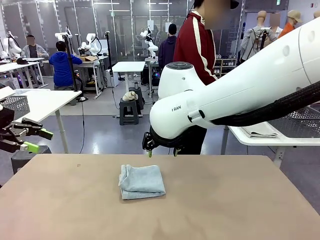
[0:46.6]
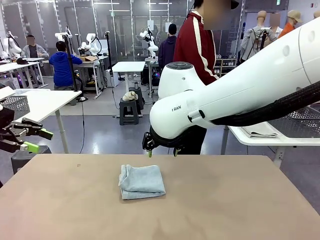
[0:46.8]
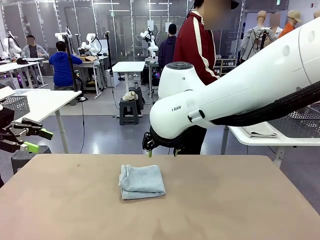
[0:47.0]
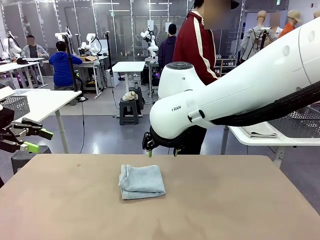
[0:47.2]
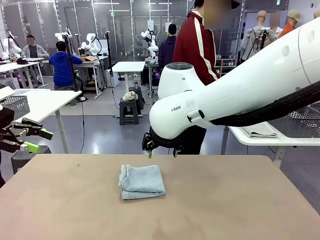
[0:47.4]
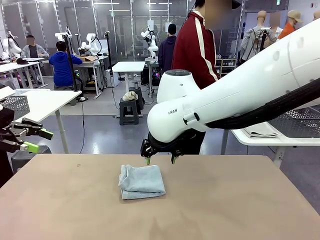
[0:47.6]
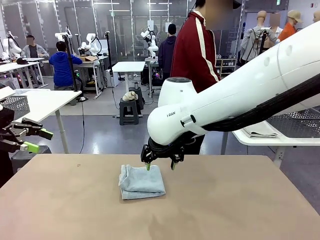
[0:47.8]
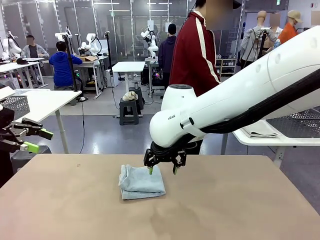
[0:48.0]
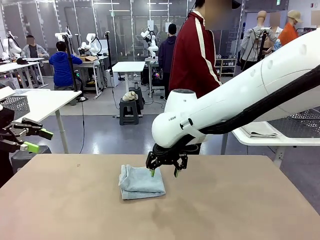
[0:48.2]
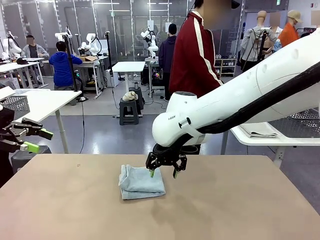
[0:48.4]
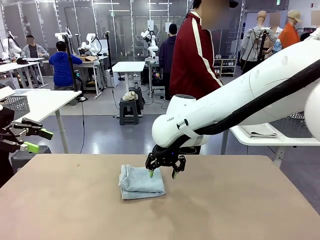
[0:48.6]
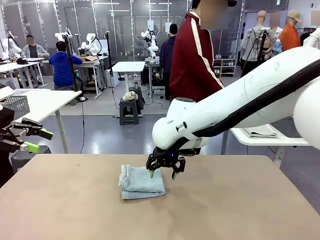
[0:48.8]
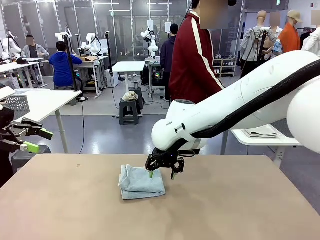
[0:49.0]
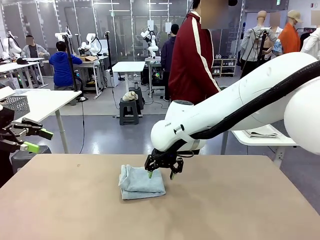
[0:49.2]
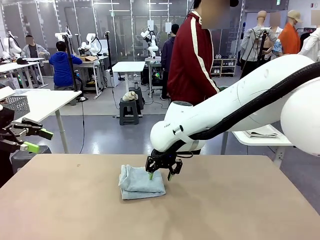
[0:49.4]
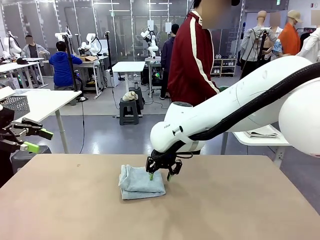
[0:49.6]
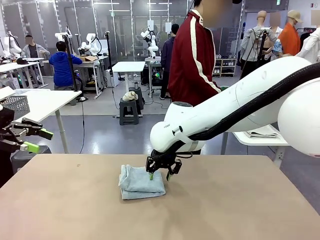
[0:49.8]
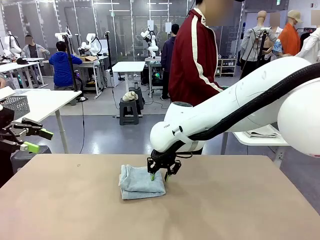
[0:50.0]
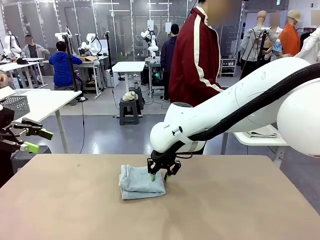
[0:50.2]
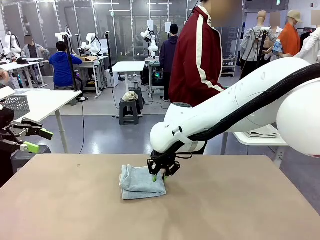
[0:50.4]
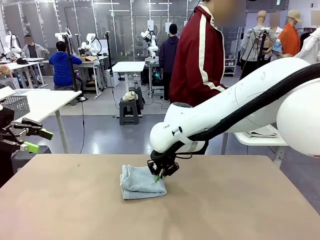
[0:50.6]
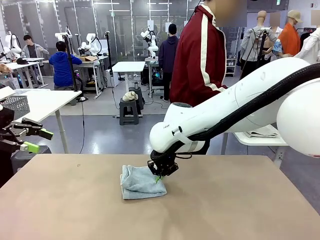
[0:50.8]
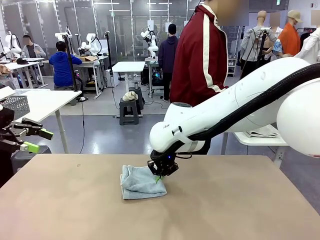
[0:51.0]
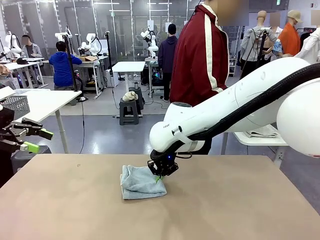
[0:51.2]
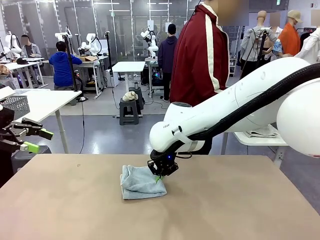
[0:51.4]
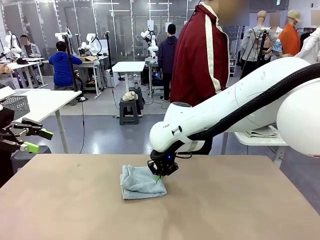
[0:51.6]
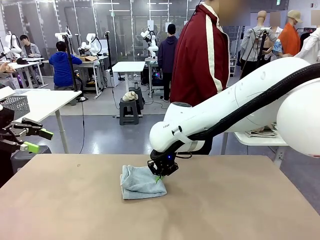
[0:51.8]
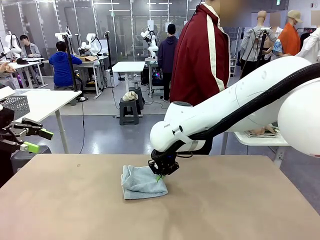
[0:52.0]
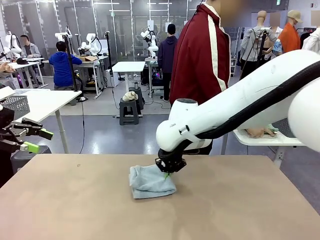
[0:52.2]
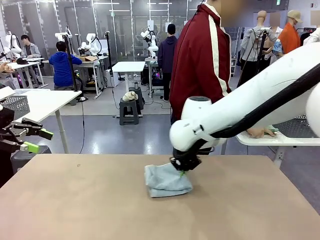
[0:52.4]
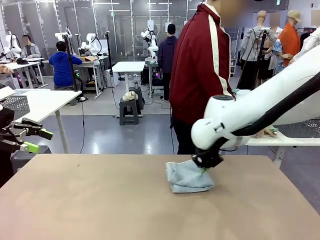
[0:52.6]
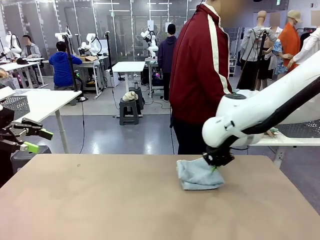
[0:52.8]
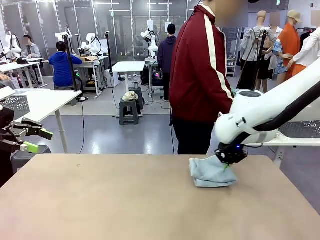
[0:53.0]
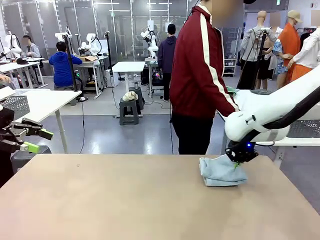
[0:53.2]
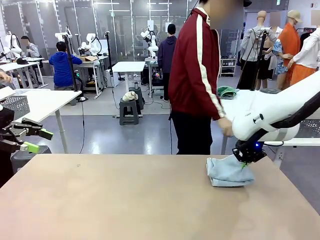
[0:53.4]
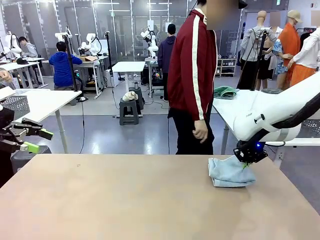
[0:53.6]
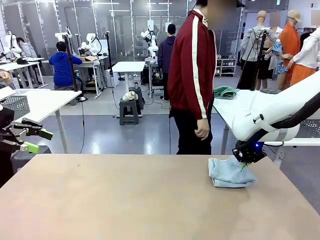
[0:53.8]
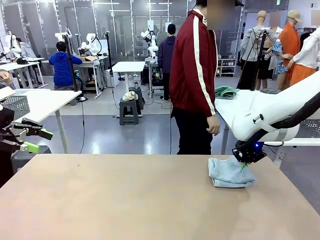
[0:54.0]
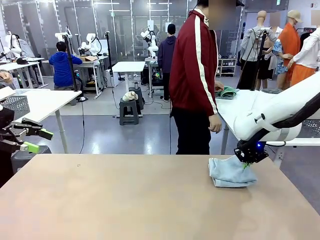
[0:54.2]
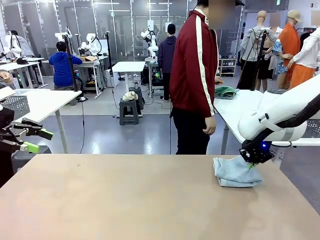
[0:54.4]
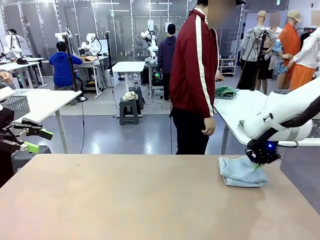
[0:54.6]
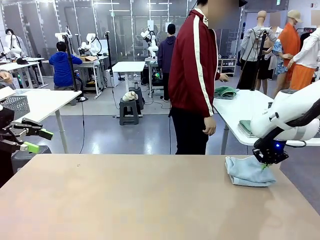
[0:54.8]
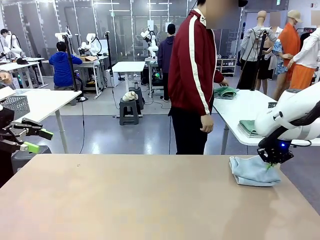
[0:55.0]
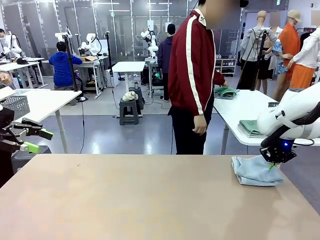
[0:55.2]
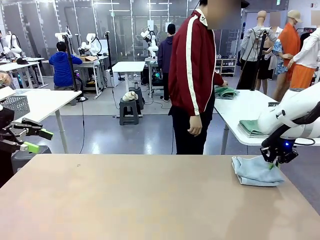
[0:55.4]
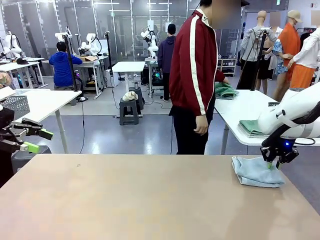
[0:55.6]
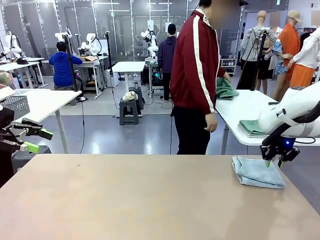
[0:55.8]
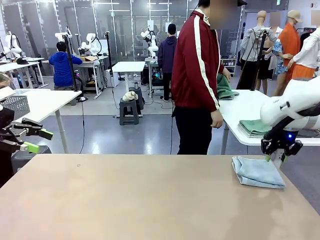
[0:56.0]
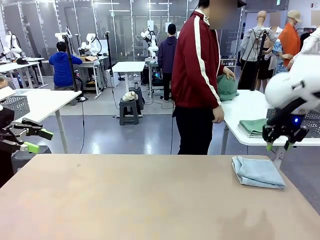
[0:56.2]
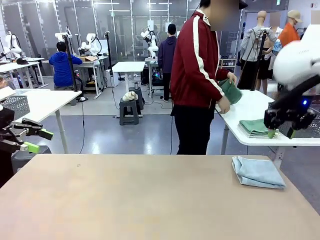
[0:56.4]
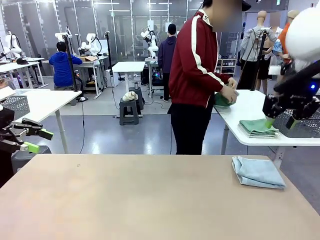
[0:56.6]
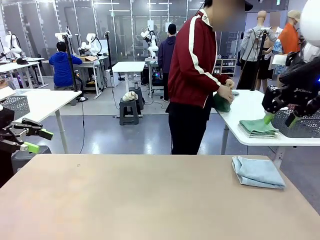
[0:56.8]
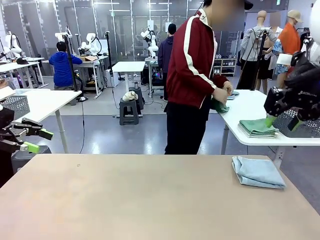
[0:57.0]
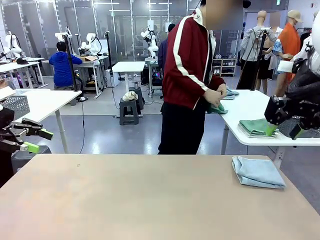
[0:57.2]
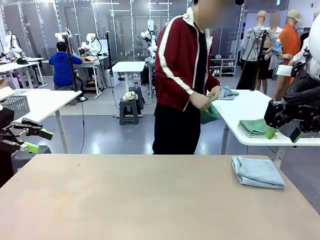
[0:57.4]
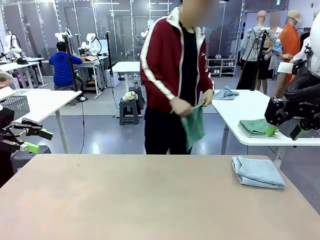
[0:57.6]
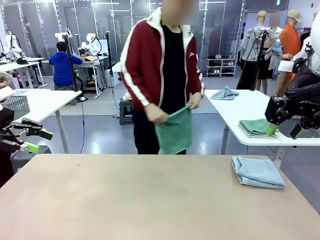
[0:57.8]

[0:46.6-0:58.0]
Task: Fold the towels and place them in the basket.
Robot: Place the folded Towel with hook on the right side of the table.
Person: Pick up one towel from the left side of the human table and spread it out at the center of the robot table.

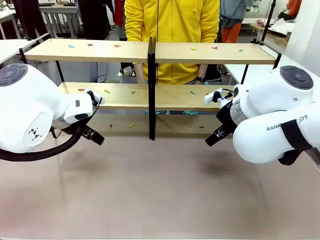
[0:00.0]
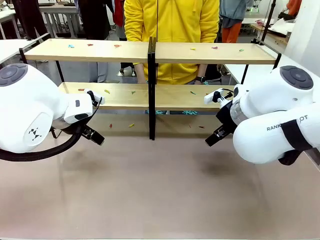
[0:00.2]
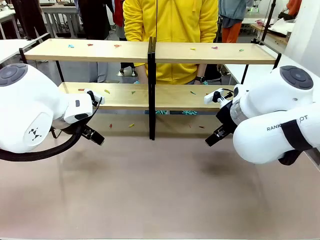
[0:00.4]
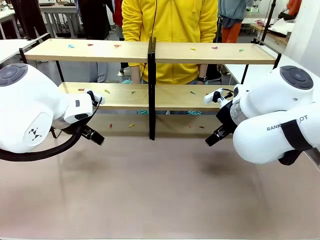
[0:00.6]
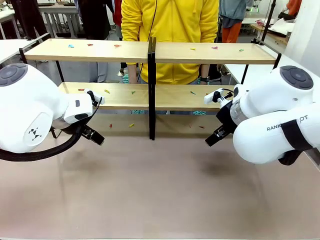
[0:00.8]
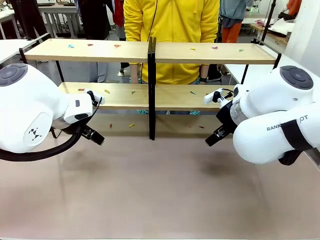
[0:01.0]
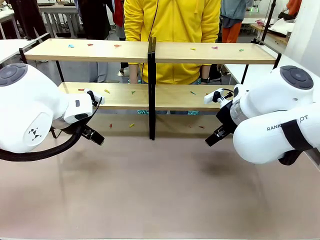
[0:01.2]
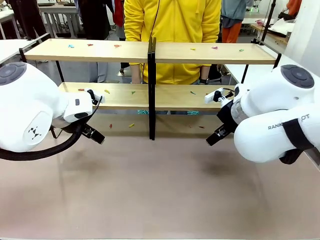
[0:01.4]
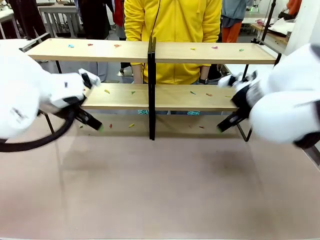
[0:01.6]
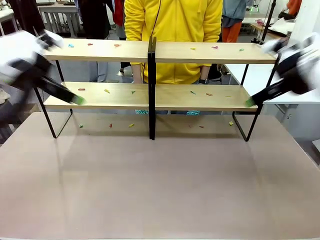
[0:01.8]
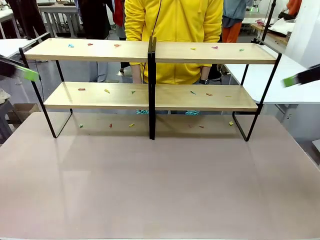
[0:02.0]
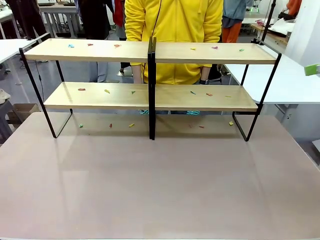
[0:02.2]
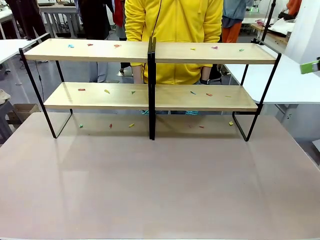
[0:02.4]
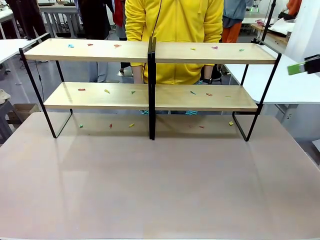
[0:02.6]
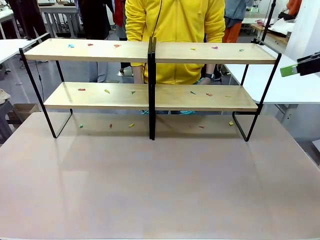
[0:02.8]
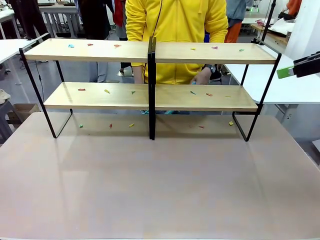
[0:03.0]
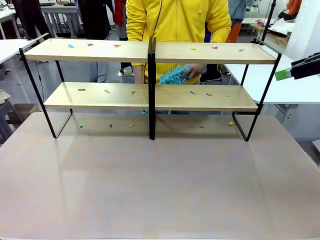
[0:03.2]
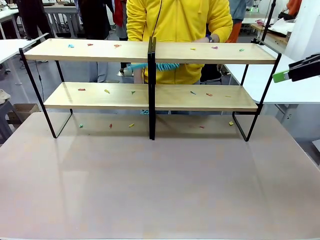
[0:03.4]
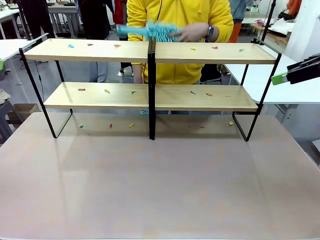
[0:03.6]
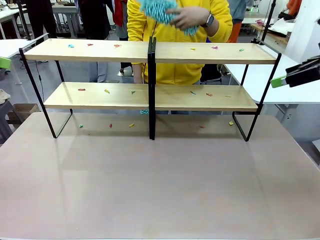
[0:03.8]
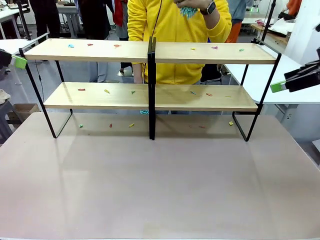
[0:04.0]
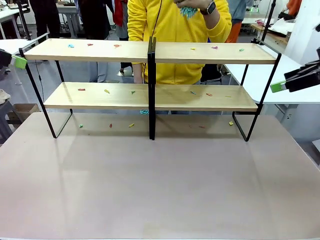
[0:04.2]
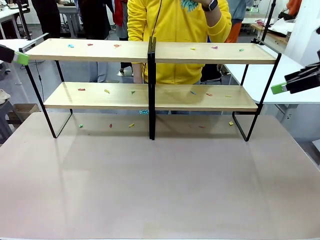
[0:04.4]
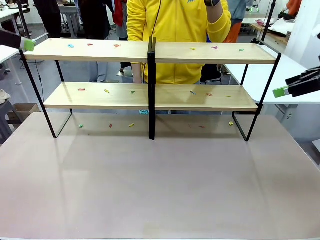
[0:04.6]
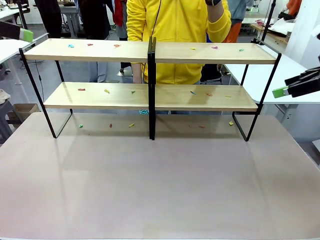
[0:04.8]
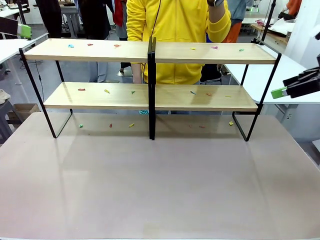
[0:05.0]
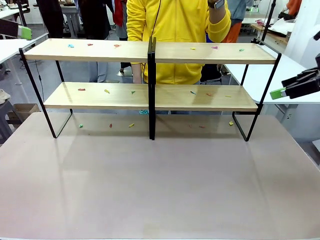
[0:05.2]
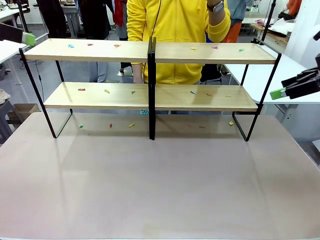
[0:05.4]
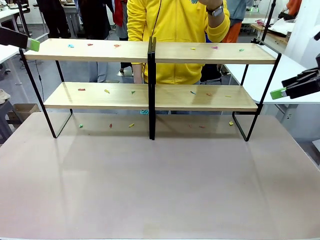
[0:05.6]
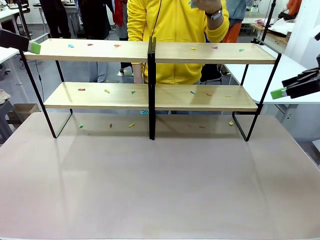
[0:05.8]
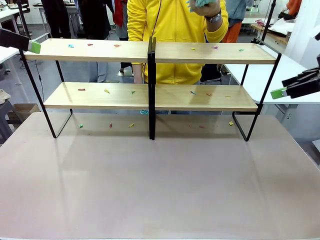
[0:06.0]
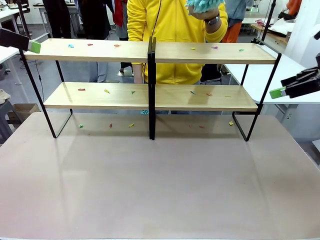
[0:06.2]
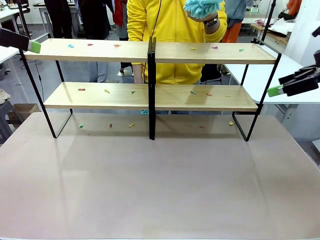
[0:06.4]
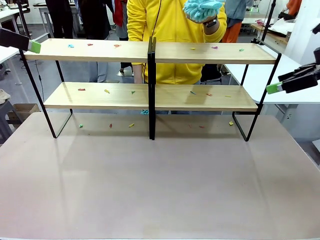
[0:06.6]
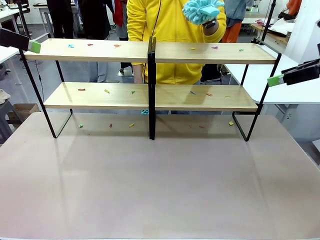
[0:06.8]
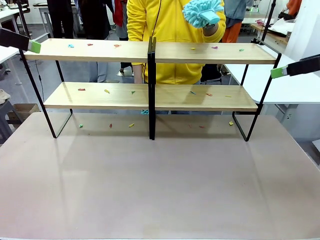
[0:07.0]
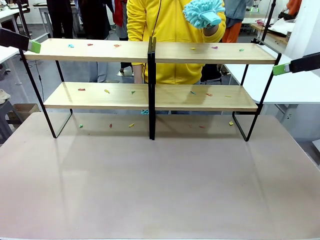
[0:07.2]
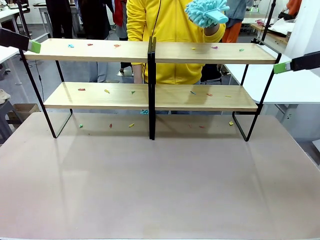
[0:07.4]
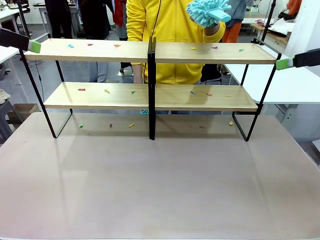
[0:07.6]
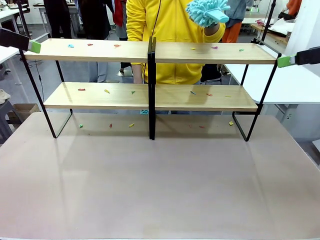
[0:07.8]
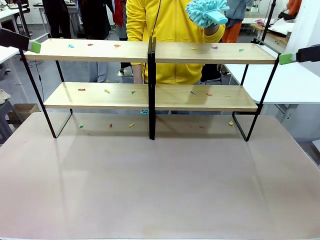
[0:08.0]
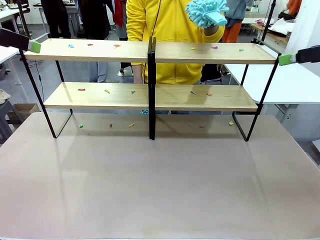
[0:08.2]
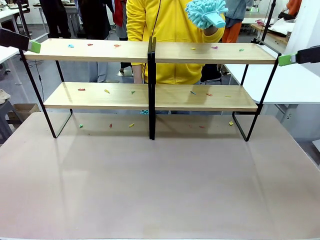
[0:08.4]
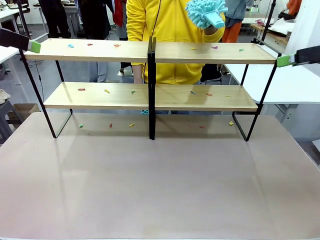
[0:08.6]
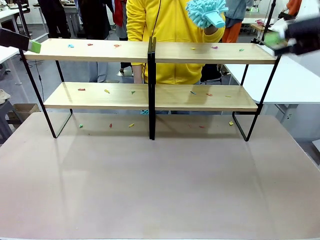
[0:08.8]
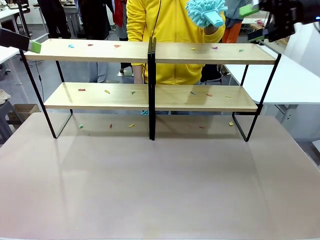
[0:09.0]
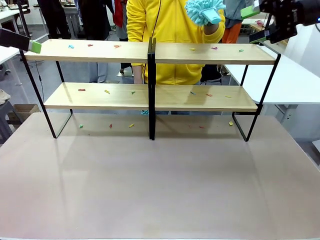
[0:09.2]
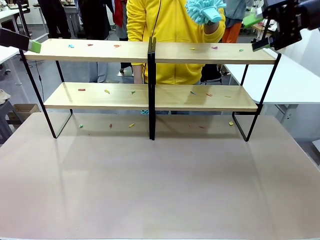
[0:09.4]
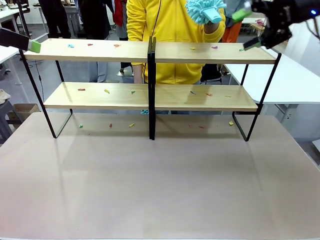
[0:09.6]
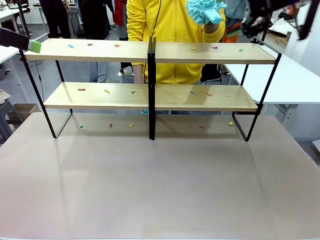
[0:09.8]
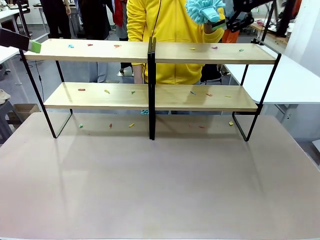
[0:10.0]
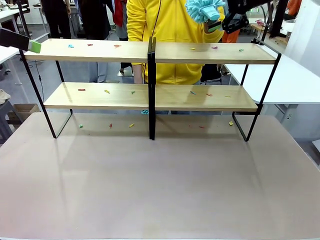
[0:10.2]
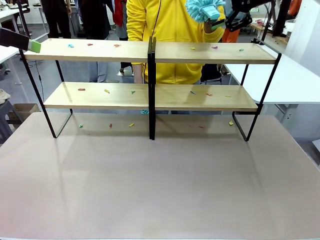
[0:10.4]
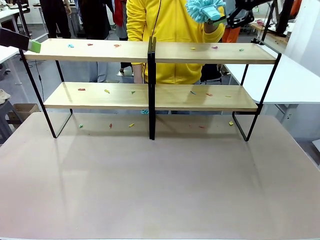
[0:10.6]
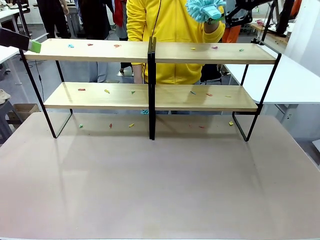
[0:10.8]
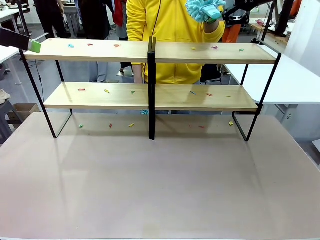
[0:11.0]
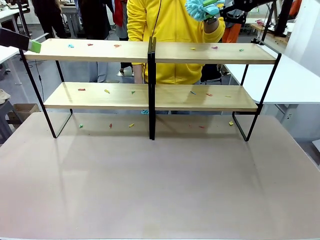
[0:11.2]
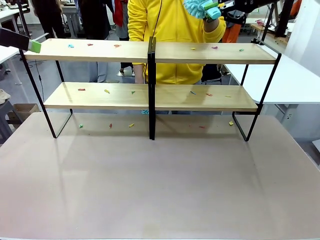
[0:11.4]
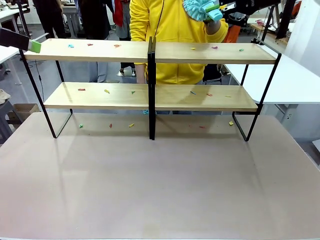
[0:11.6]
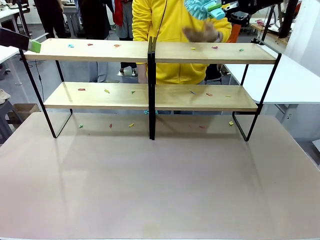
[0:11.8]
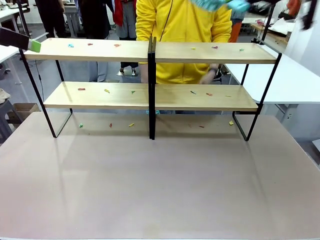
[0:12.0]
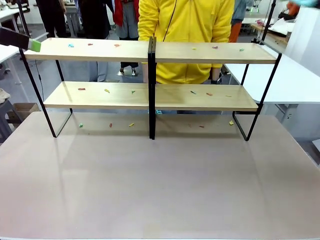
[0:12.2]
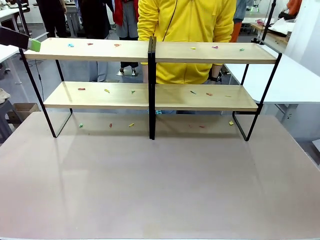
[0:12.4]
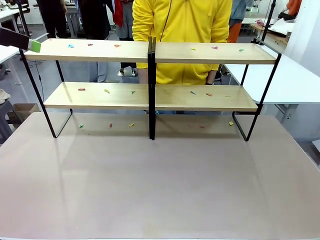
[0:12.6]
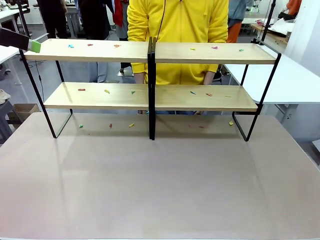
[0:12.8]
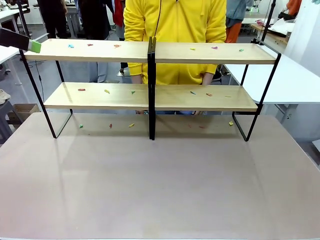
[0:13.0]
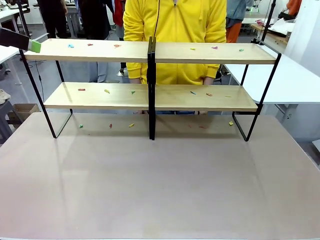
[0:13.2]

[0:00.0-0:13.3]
Task: Clean the shelves.
Robot: Pick up the Duster when the human hands it over.
Person: Hand the Duster to the robot with your right (or left) hand.
